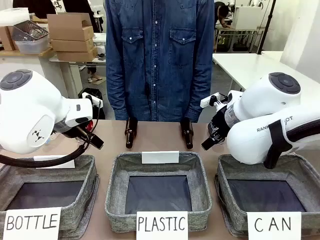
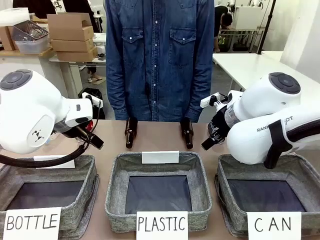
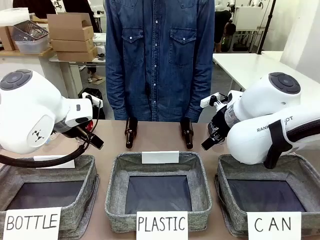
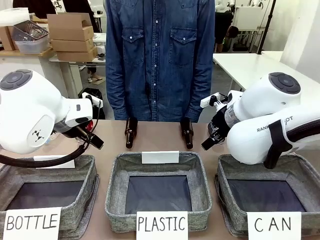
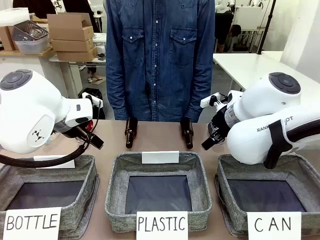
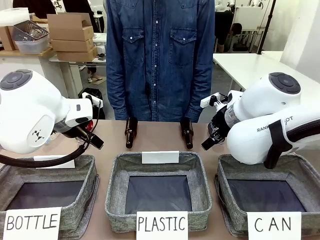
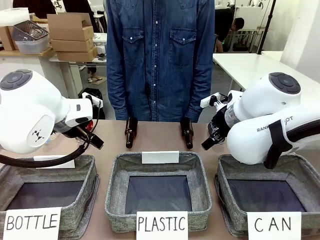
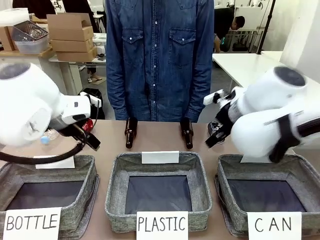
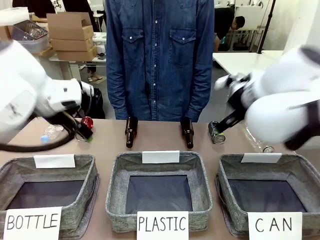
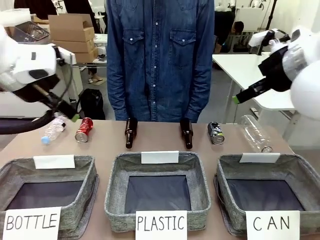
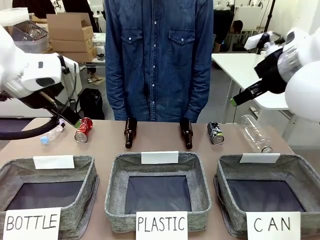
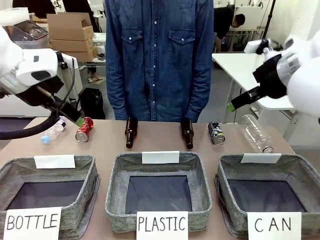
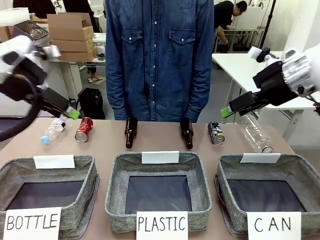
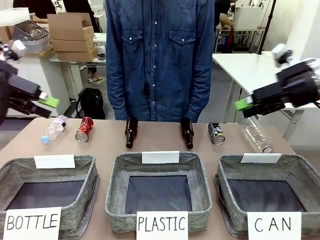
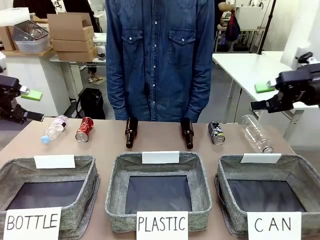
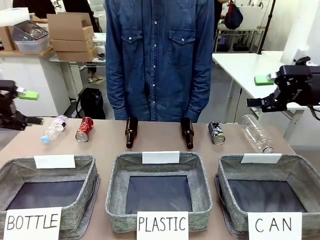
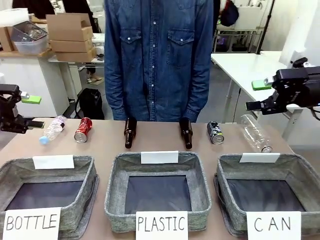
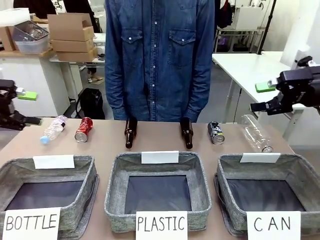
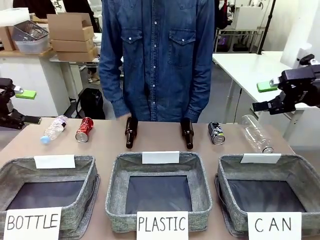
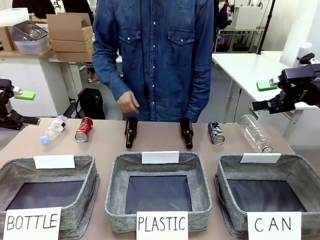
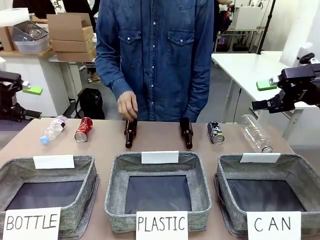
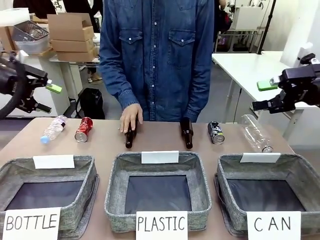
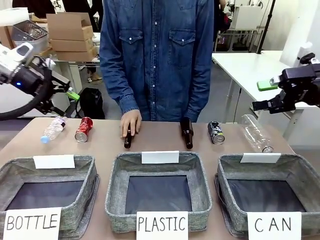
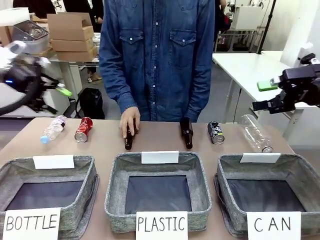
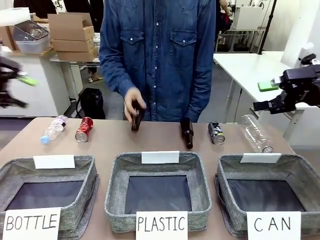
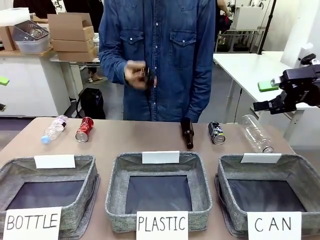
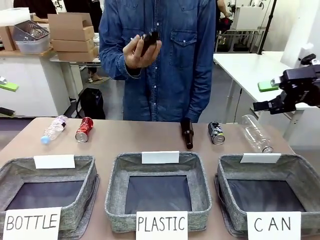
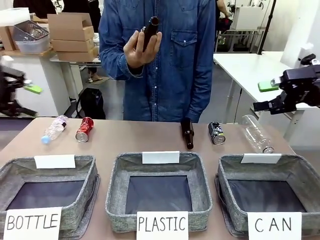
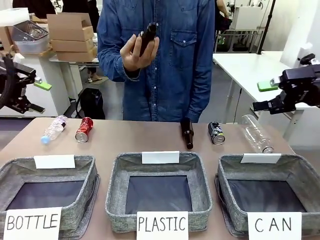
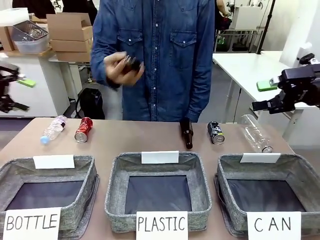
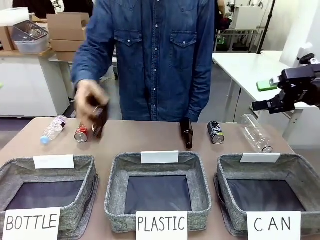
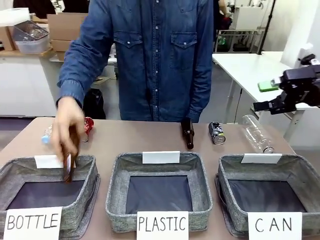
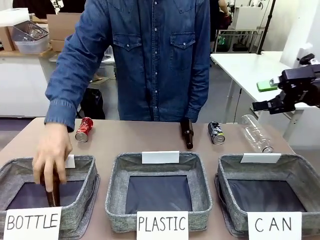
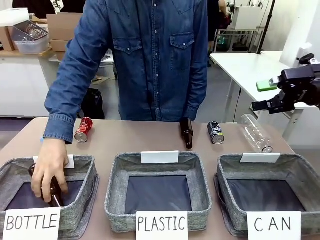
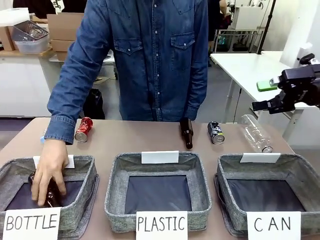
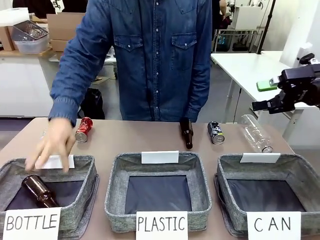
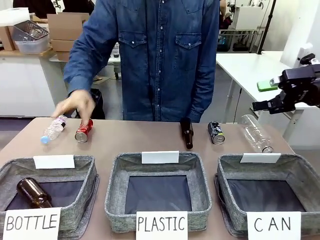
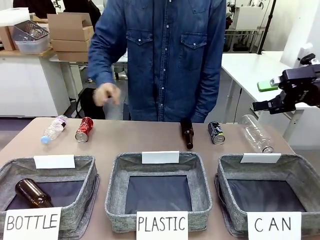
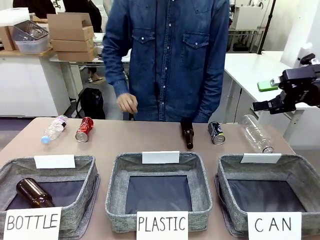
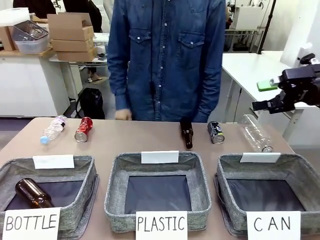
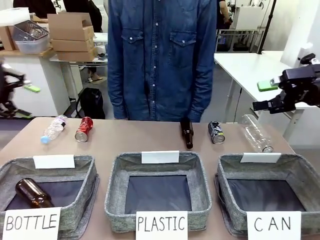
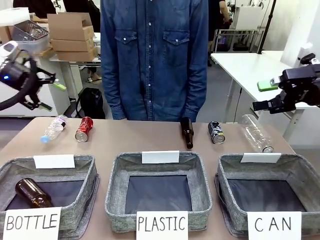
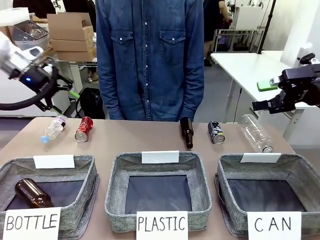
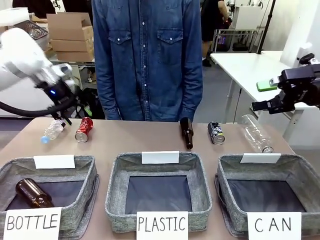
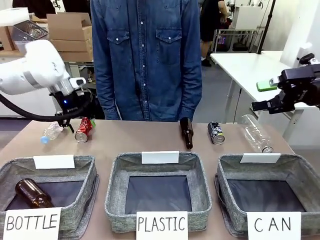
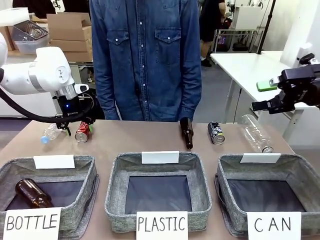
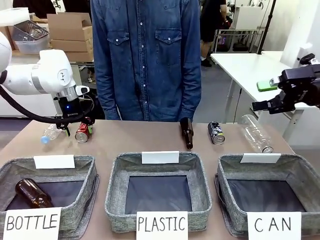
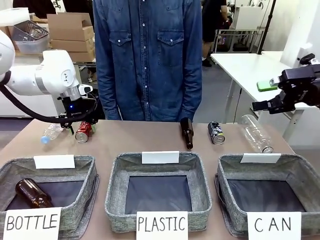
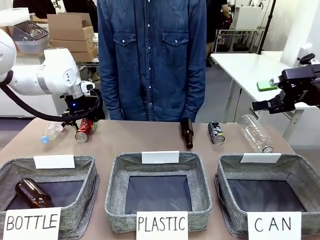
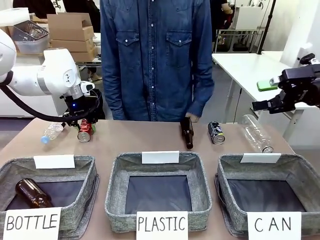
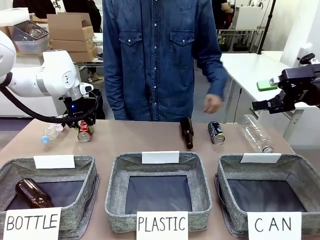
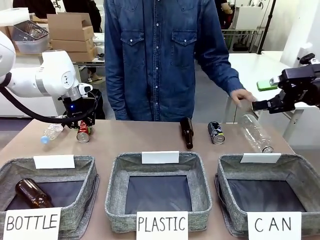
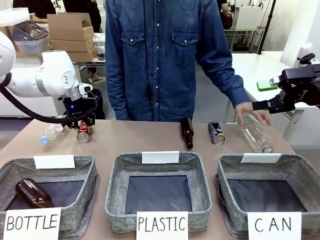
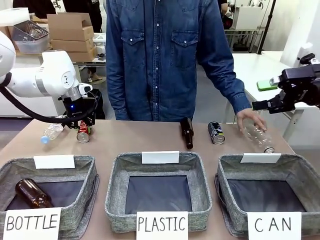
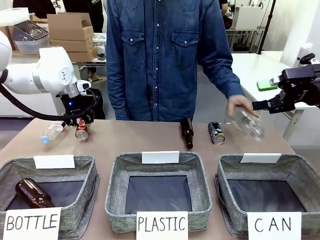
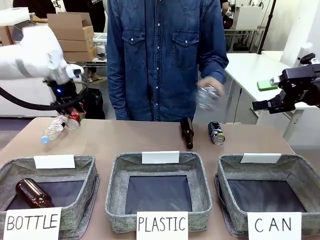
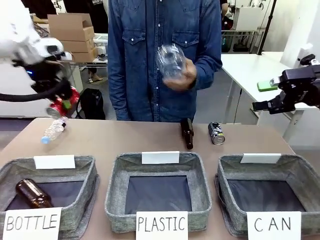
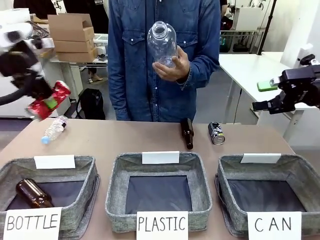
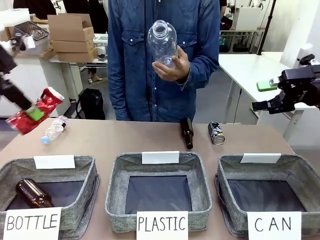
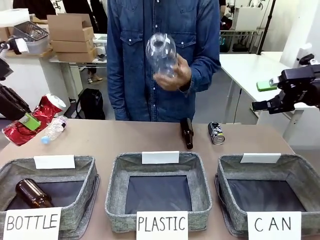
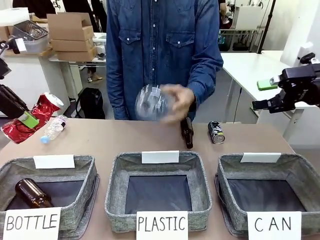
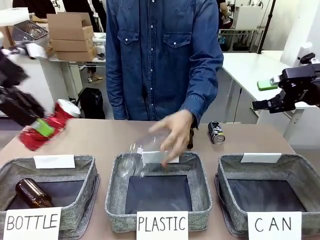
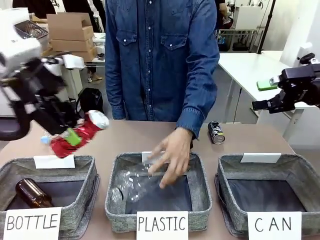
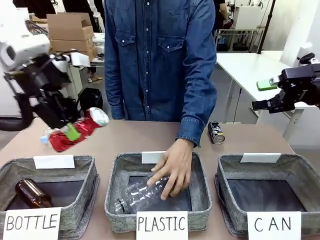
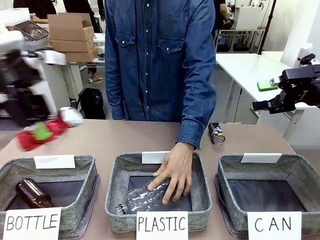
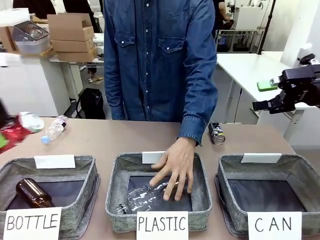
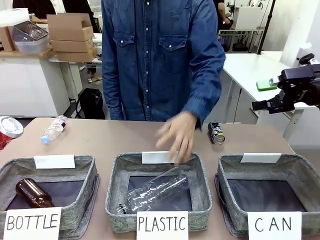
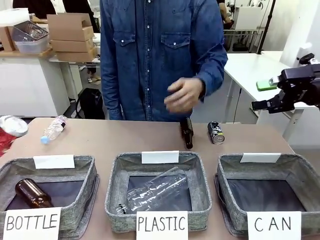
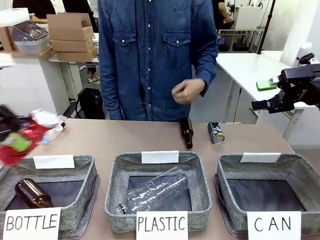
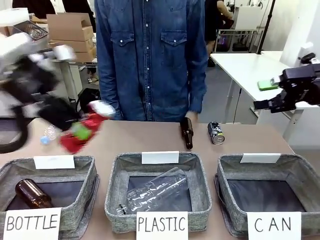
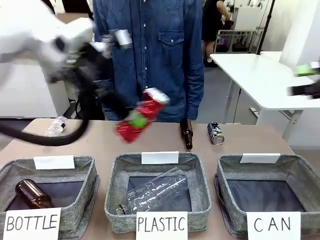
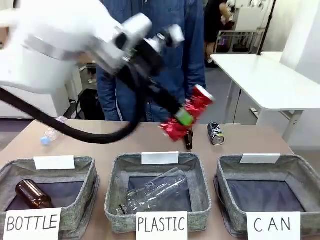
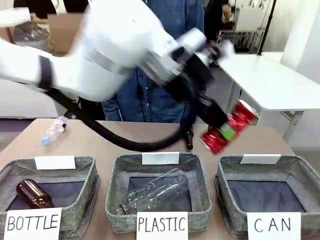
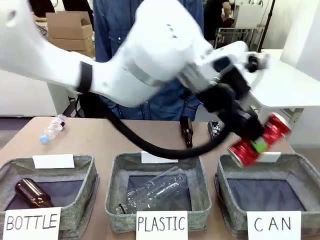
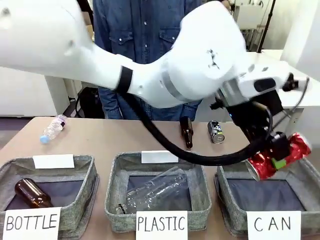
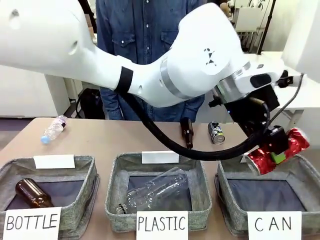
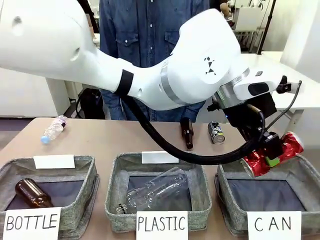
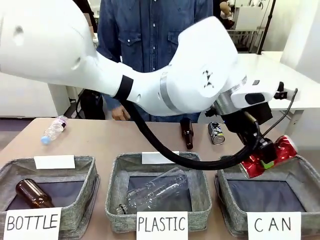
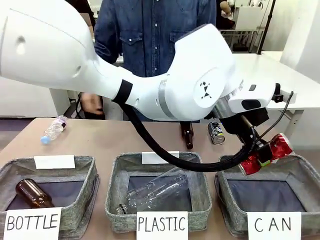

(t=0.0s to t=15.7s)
Task: Sort the can waste into the basket.
Robot: Pick up the can waste from the table and place it in the right Fabric basket.
